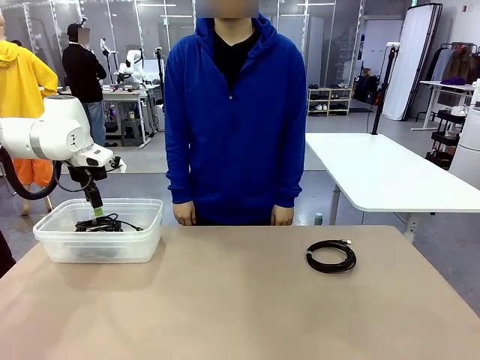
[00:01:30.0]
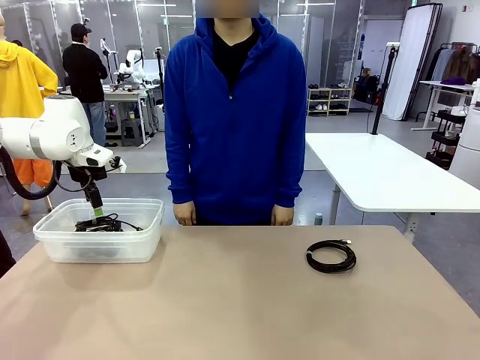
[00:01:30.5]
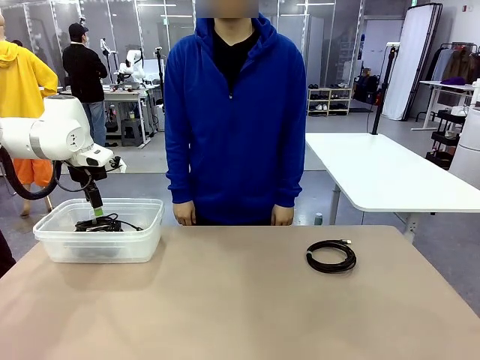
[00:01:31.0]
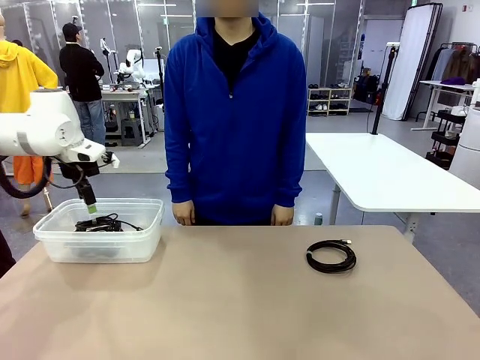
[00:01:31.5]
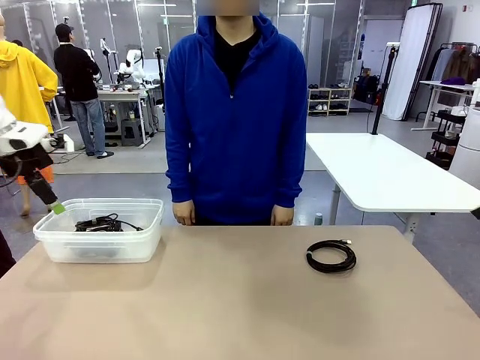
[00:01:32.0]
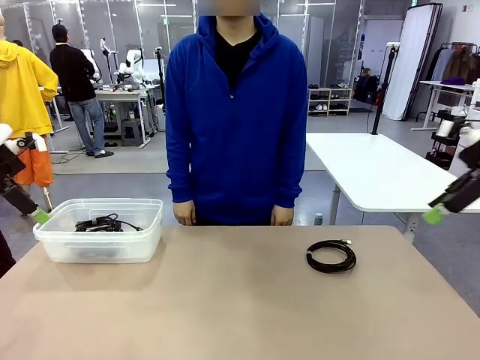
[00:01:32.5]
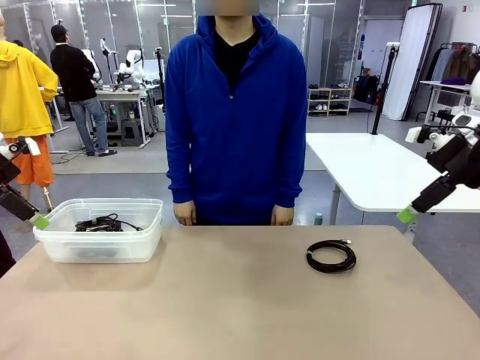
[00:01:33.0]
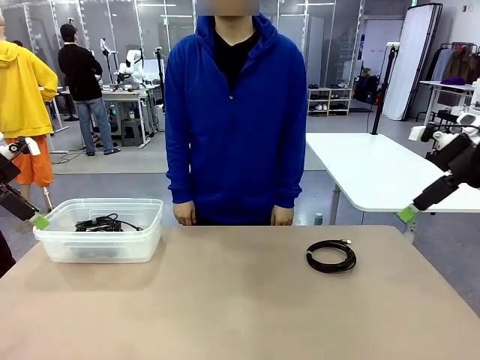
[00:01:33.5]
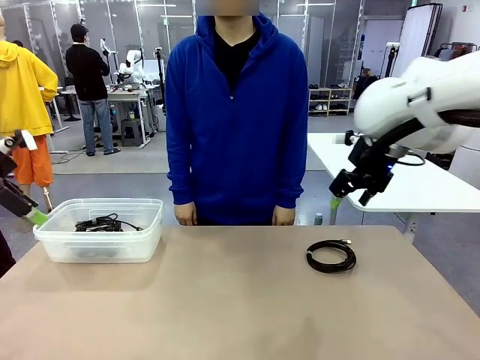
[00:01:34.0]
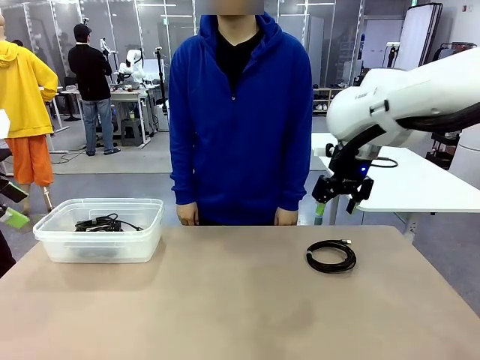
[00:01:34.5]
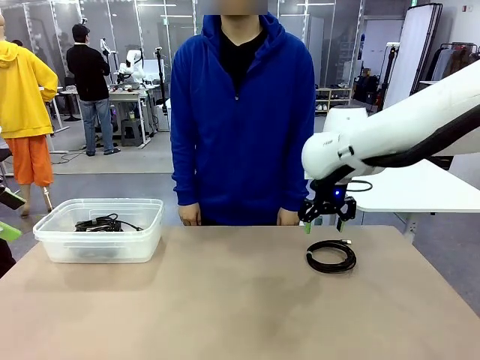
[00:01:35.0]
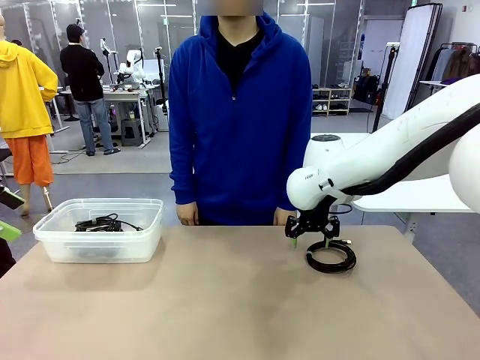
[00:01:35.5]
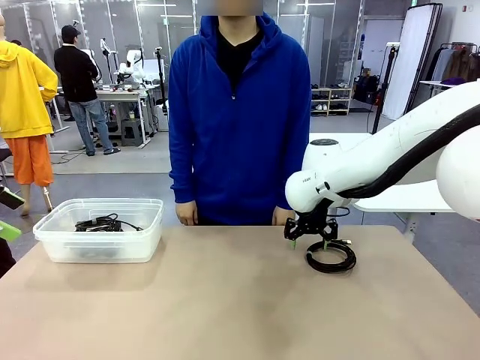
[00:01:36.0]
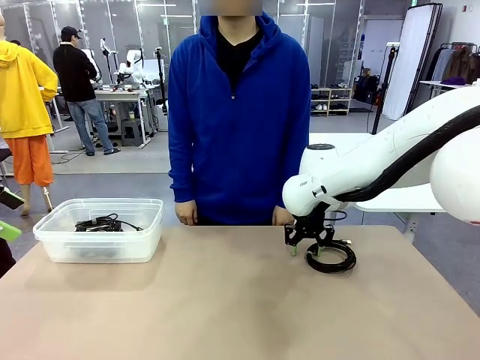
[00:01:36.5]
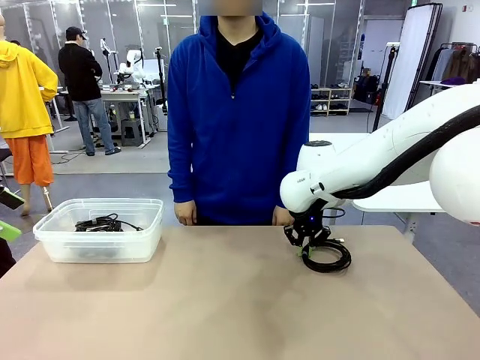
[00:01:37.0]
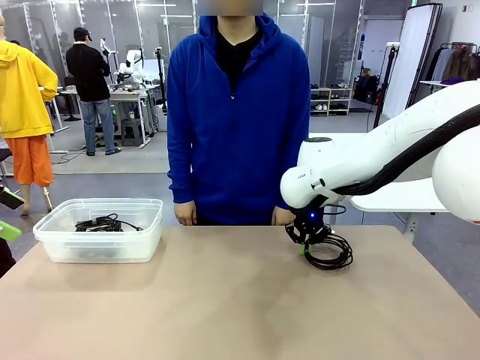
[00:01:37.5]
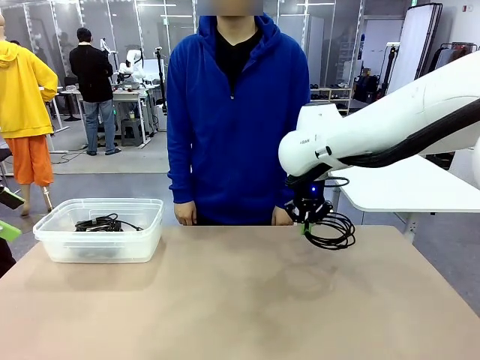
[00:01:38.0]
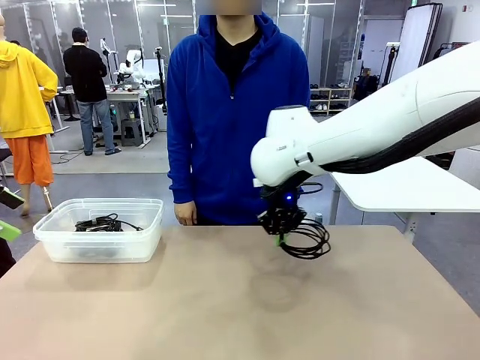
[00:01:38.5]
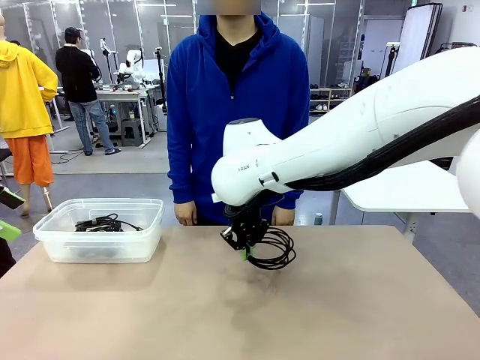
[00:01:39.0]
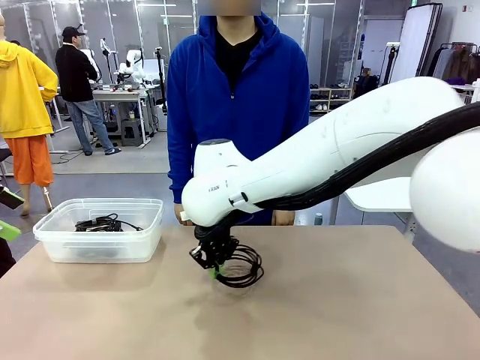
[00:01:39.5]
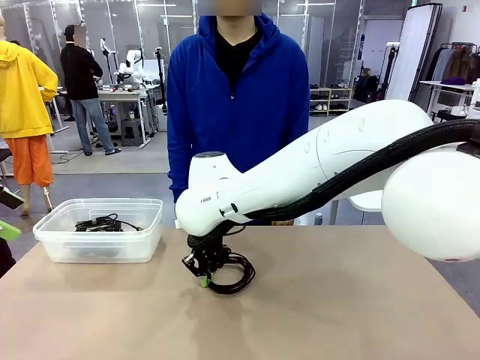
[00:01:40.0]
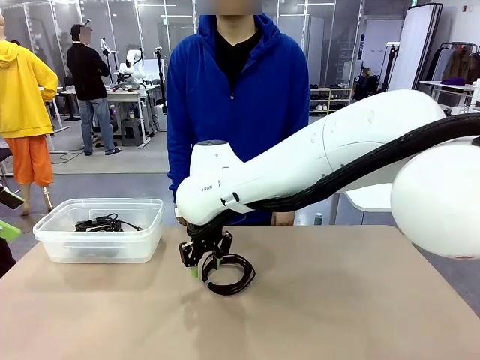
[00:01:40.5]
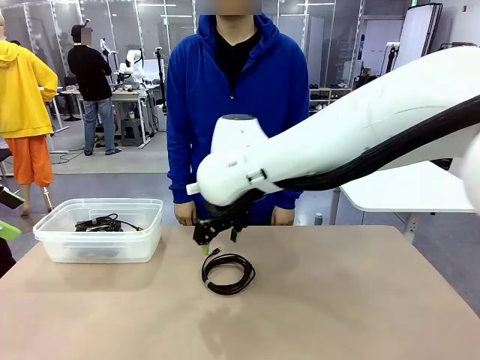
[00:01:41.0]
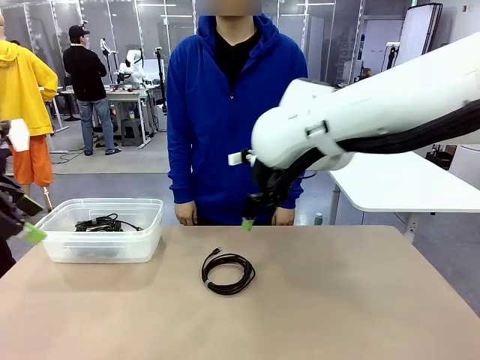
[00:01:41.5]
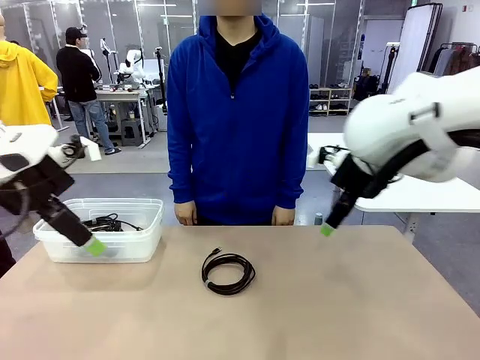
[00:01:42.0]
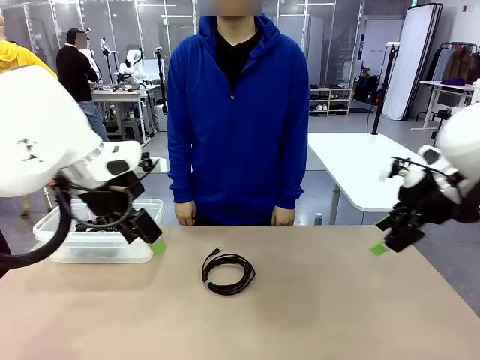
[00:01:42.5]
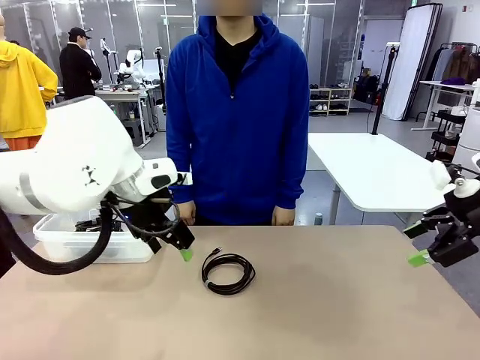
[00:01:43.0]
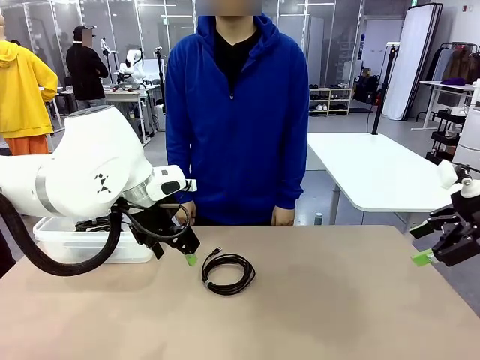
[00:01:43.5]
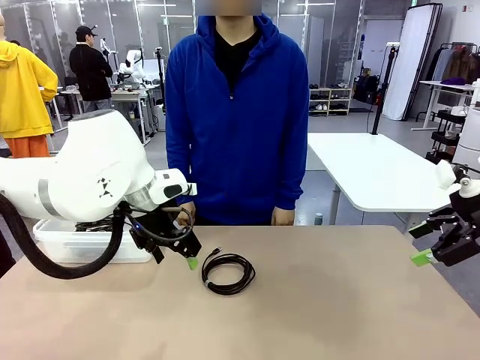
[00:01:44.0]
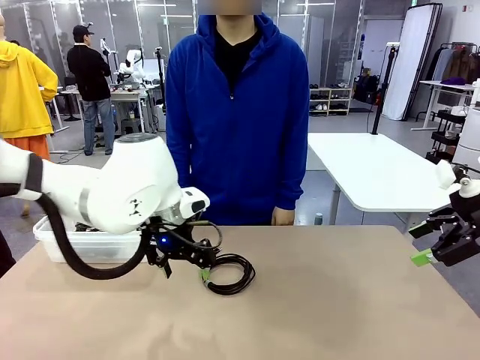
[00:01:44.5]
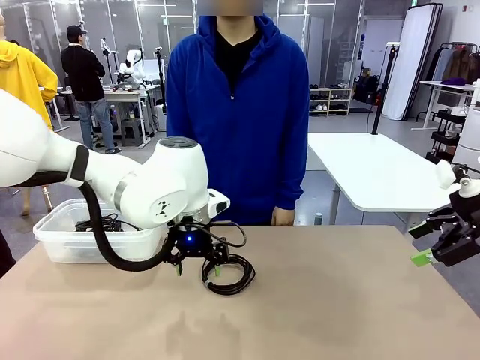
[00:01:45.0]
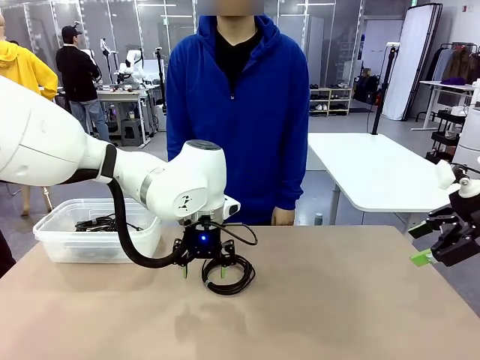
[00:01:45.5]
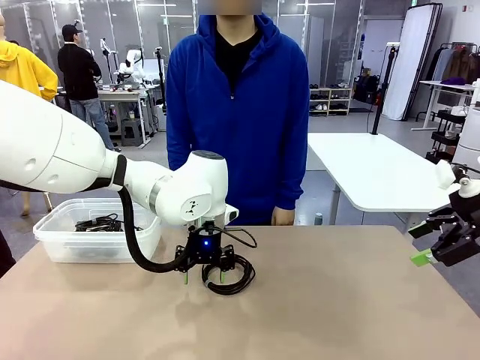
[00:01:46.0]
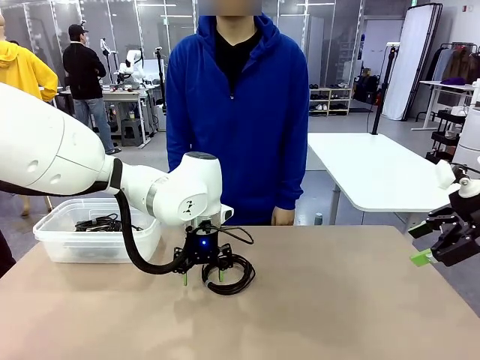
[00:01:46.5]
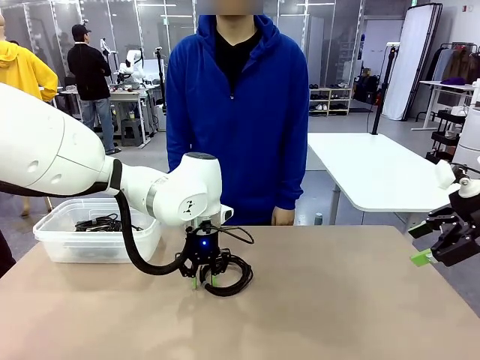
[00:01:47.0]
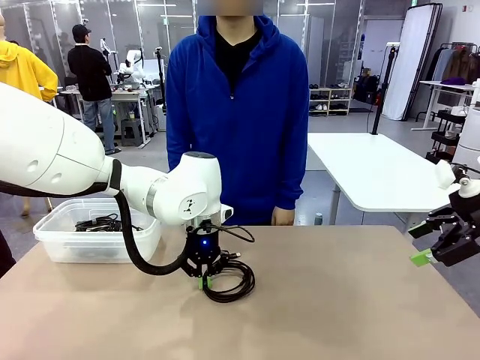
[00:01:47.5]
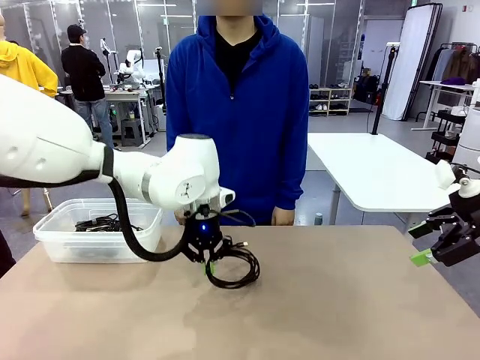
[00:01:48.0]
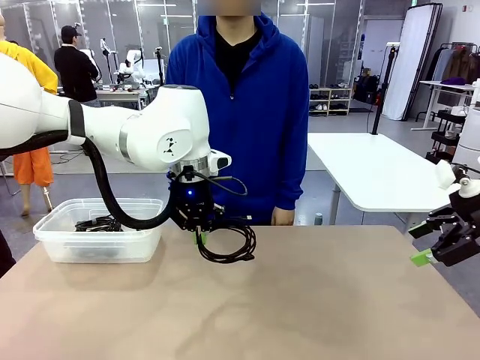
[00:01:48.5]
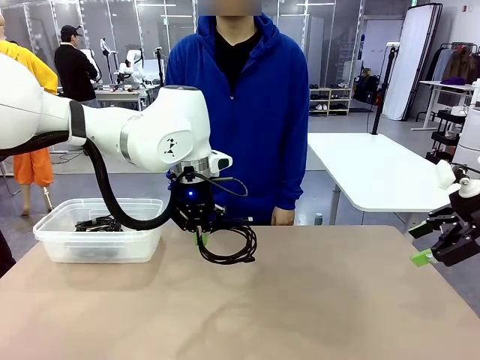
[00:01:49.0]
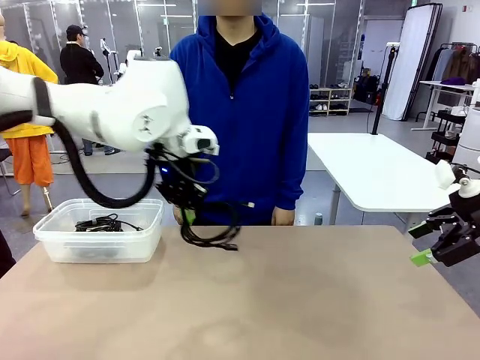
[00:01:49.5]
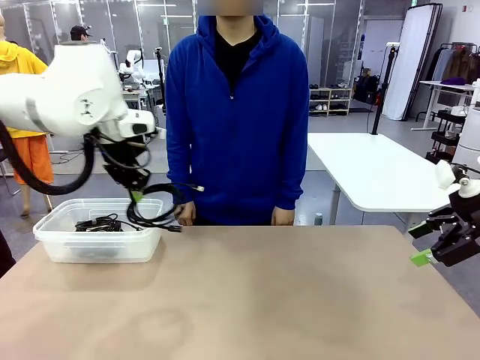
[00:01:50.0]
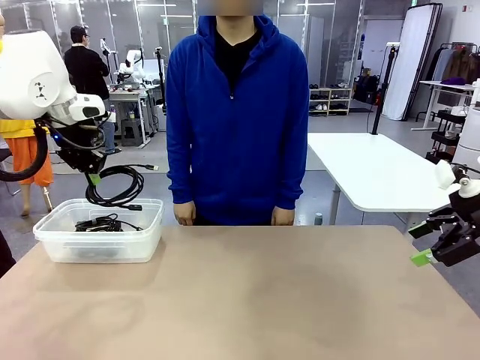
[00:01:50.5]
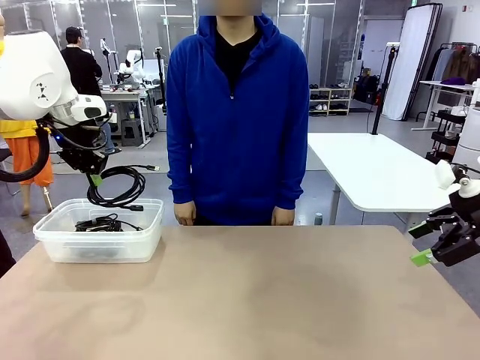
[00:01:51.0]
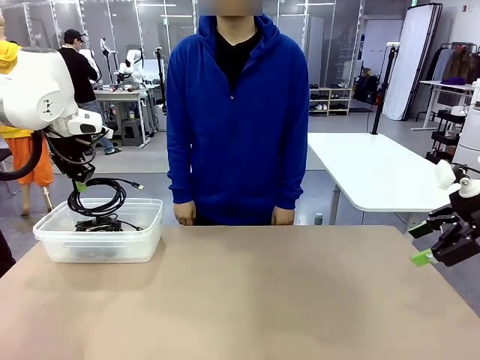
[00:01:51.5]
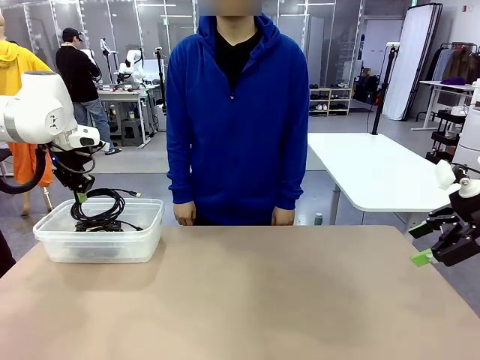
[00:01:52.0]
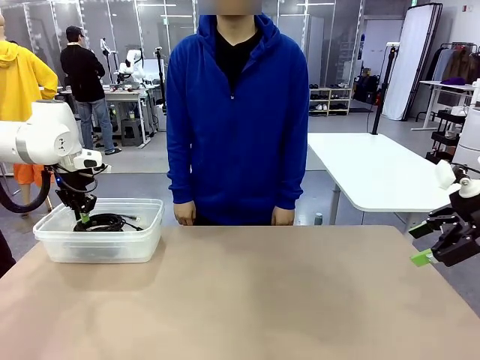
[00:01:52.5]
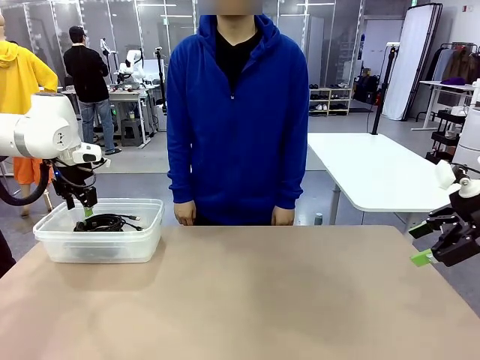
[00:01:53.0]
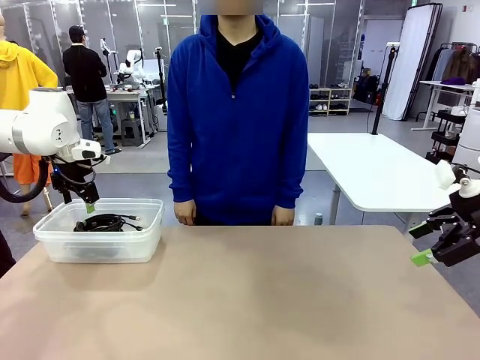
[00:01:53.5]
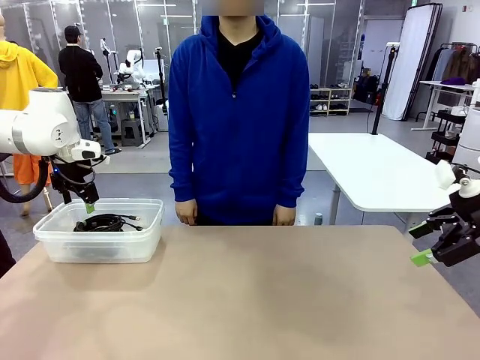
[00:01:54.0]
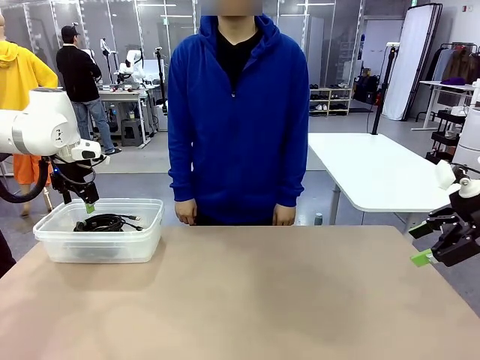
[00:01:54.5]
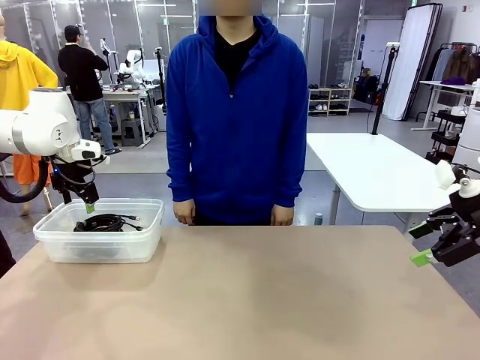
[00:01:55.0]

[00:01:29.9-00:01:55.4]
Task: Organize and store the cables.
Robot: Place the USB Extension Cable into the Organizing box.
